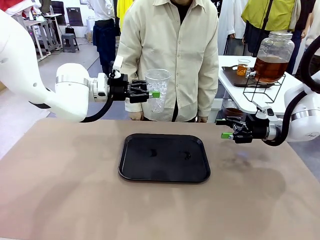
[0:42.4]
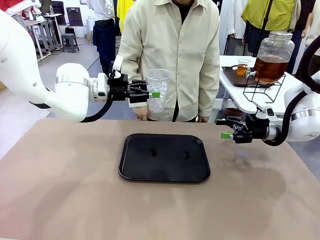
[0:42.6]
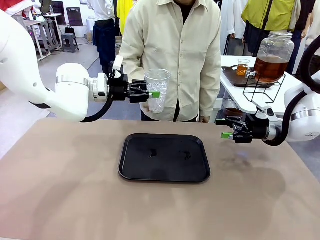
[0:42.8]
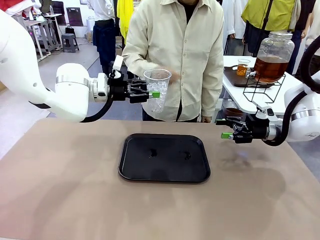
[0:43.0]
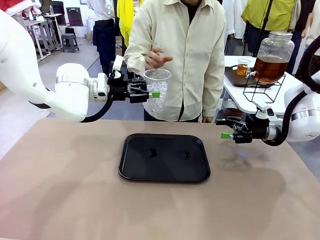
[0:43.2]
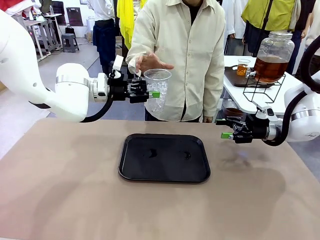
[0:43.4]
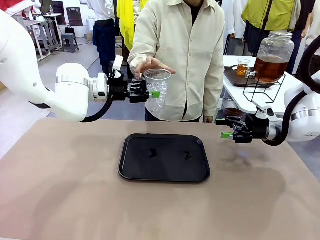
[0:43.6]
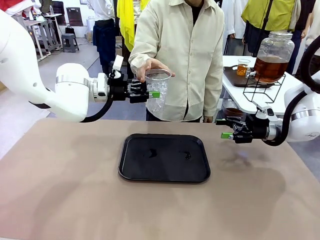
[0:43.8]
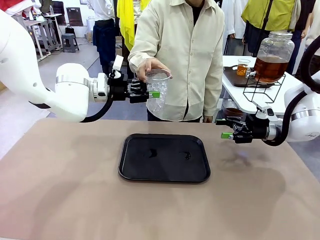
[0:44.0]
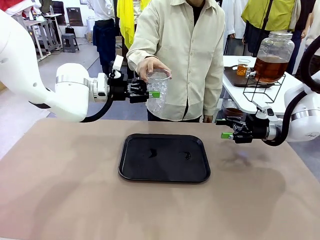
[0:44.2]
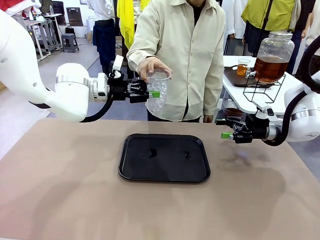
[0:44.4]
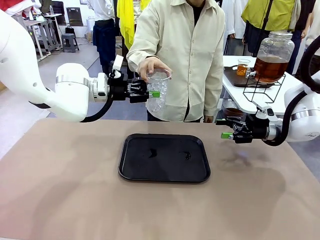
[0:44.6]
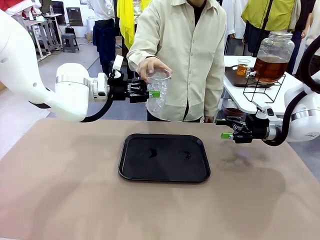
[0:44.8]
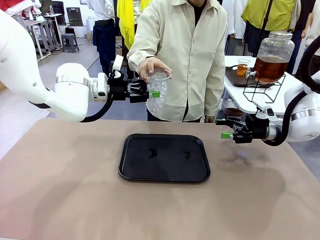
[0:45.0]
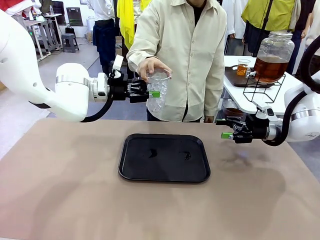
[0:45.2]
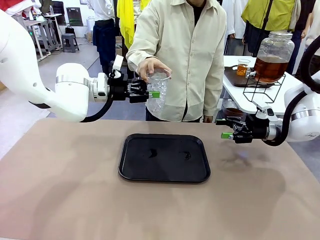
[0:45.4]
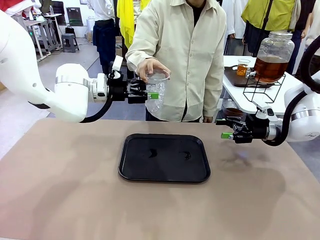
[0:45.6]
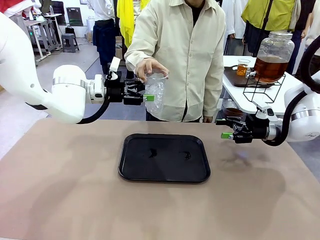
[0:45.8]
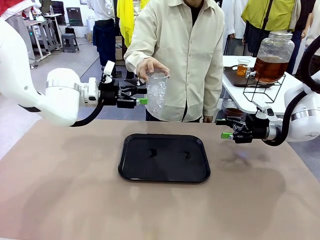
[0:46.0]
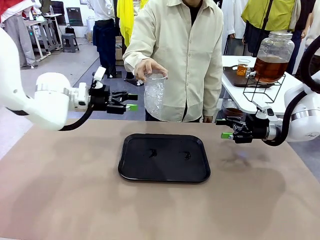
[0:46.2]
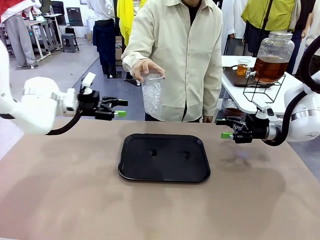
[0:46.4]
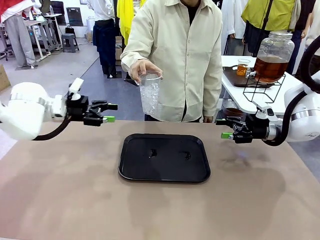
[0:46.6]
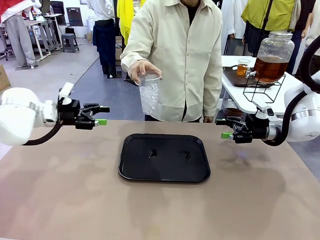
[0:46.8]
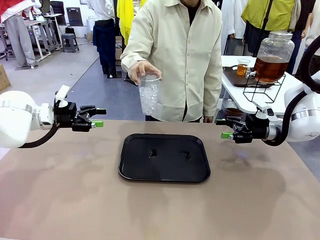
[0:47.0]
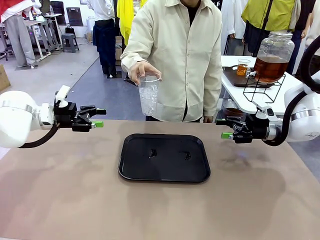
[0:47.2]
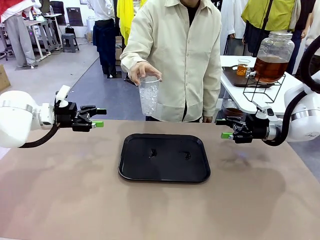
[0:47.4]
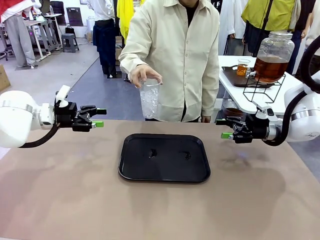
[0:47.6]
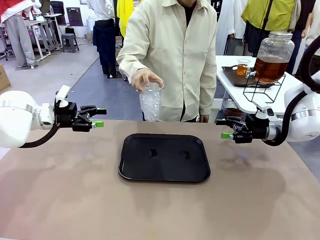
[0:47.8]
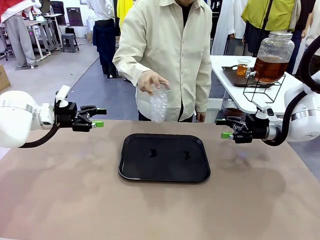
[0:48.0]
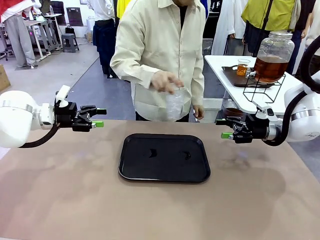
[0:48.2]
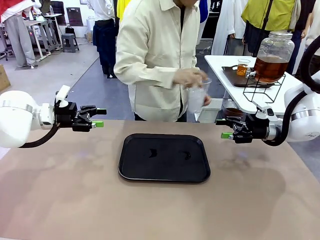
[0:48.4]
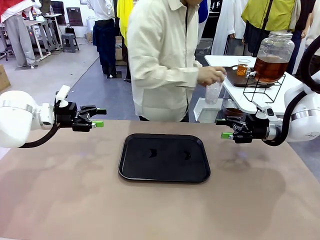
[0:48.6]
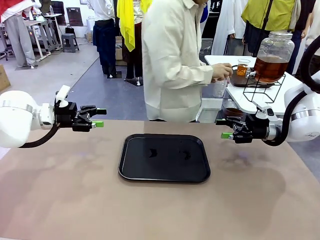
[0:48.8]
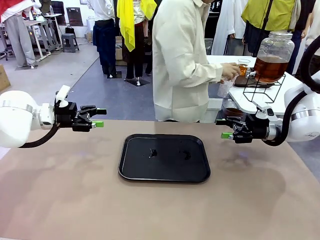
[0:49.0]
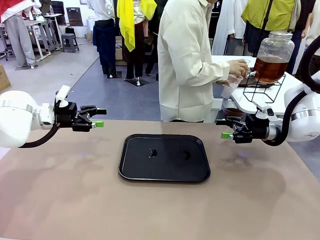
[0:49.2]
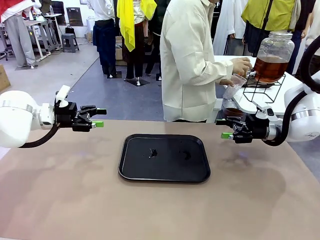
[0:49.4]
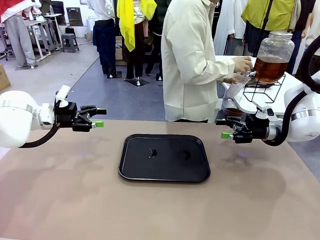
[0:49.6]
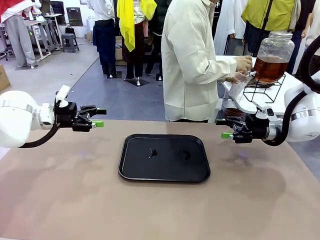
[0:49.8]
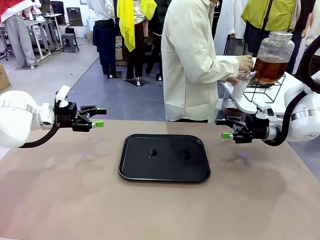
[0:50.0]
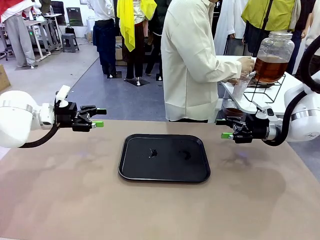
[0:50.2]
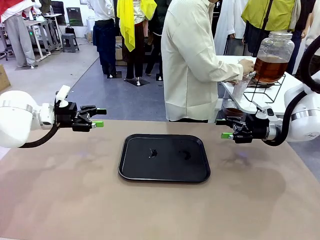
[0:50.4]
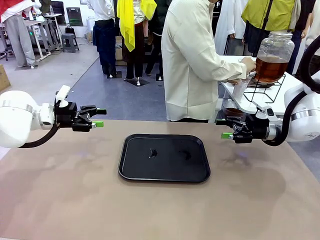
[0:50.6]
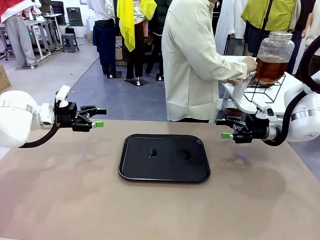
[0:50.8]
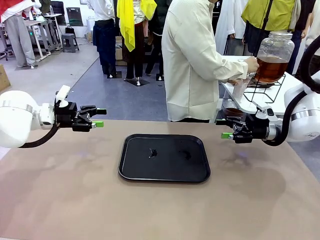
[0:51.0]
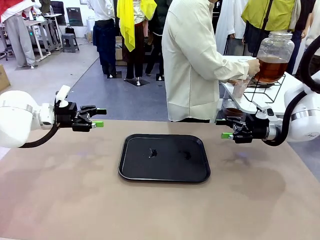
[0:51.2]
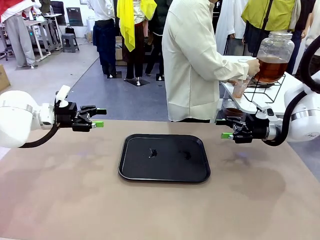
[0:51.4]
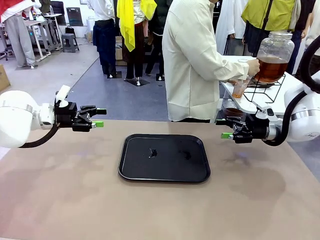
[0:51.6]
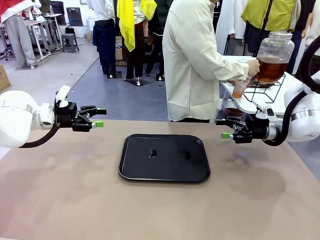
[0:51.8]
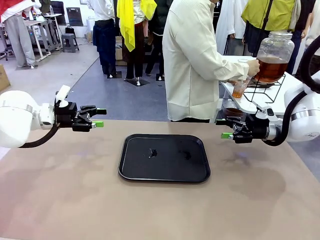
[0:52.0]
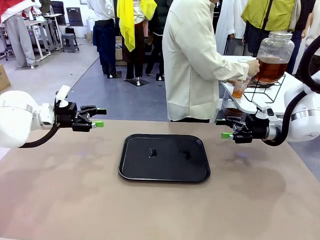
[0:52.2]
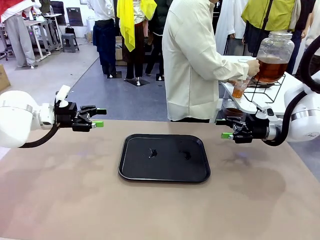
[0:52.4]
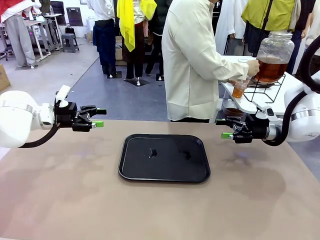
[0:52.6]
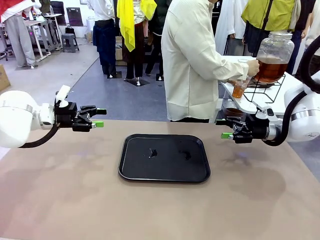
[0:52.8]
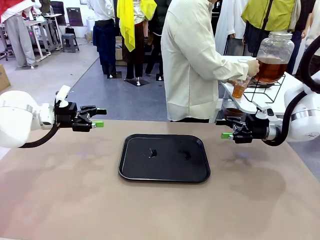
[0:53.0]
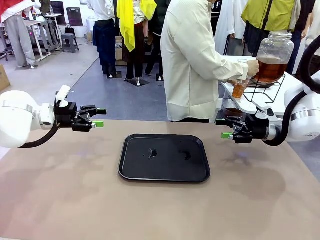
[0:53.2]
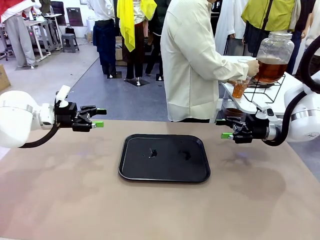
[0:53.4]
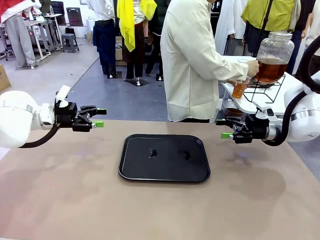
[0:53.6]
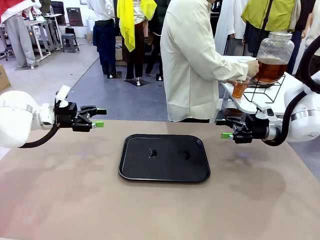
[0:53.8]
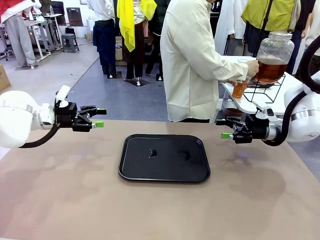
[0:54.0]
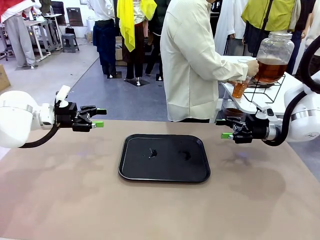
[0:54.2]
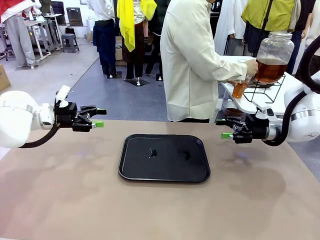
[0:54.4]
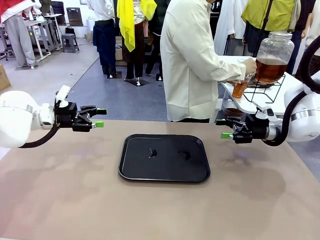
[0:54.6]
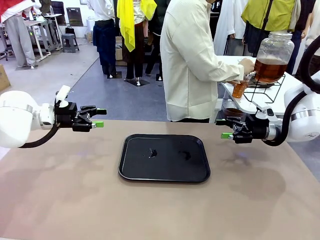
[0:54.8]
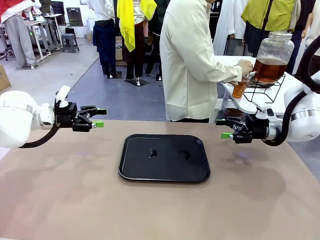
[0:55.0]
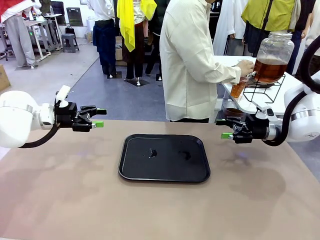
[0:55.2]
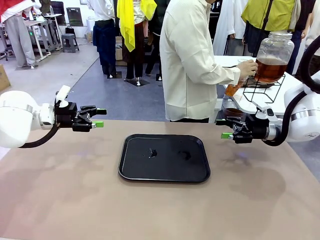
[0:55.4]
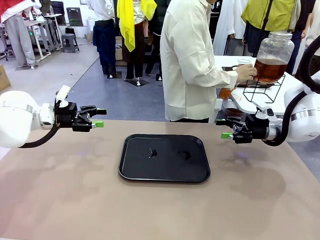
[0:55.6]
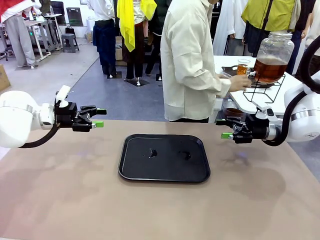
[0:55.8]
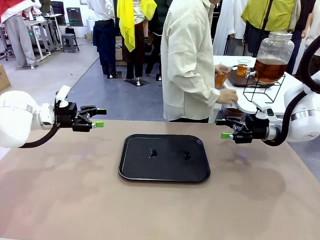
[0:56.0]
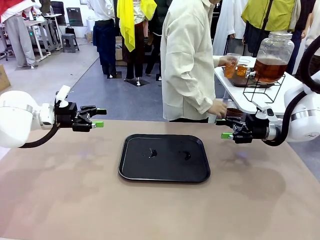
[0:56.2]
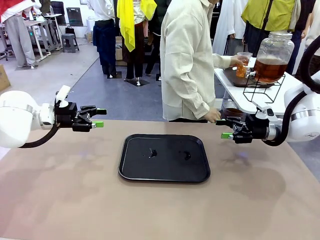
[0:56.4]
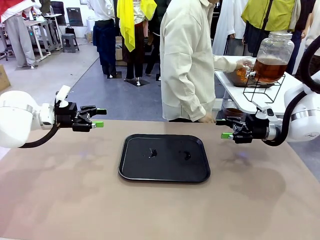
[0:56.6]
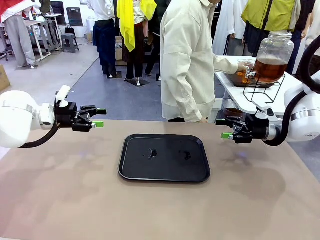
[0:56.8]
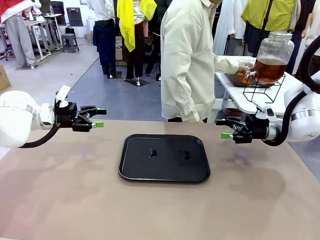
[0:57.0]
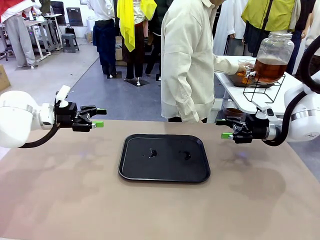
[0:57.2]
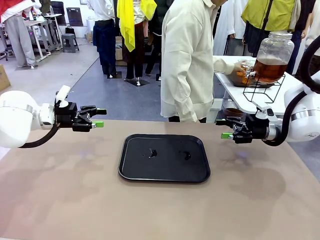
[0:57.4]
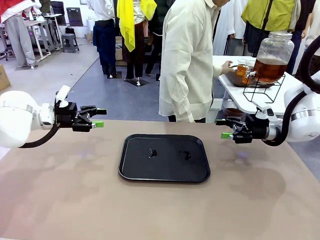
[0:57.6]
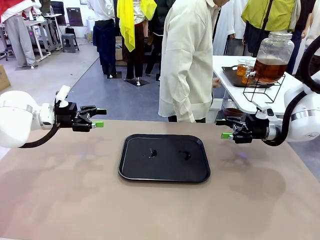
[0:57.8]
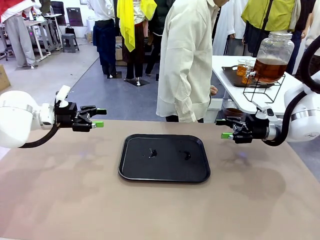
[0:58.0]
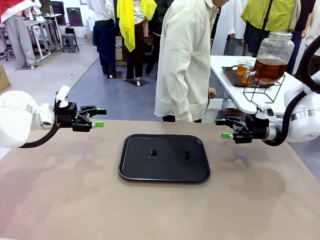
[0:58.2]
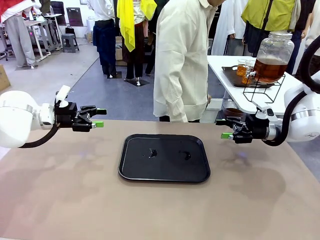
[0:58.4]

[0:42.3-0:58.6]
Task: Pour the drink into the iced cup.
Robot: Open the gripper to release the iced cup you were holding.
Person: Move the picked-up cup under the dispenser faucet, pour the drink, and place it on the tray on the human table.
